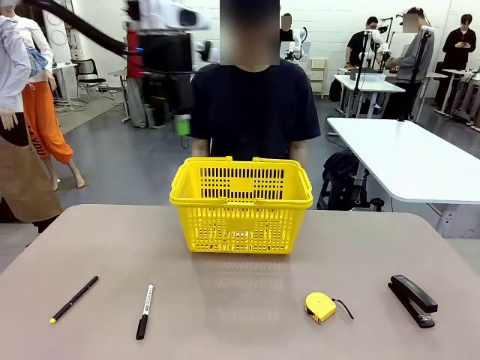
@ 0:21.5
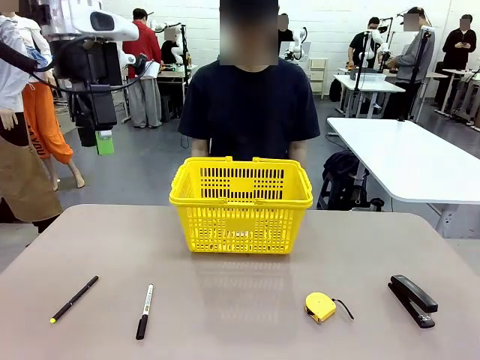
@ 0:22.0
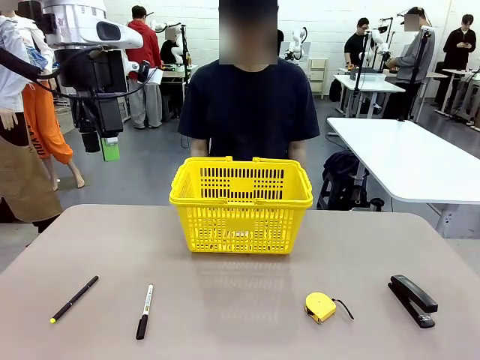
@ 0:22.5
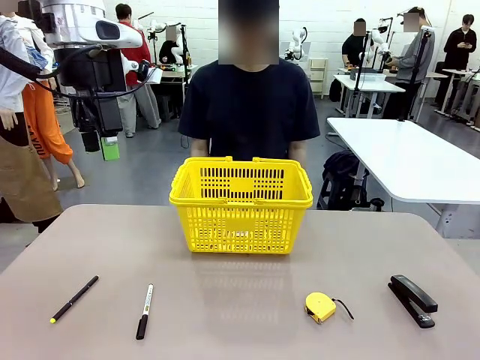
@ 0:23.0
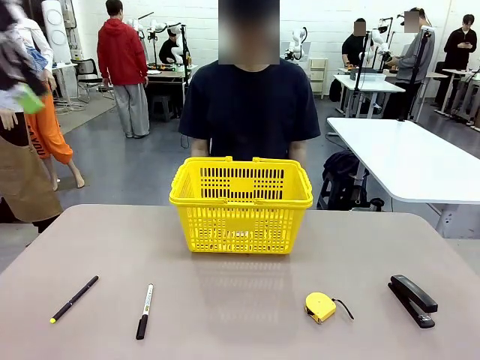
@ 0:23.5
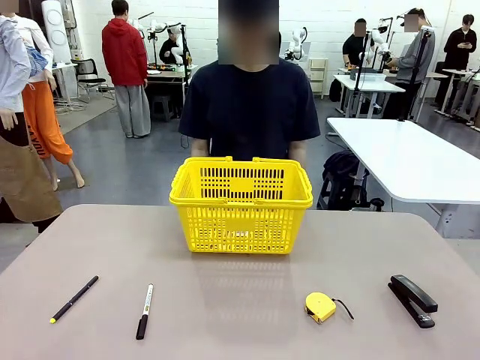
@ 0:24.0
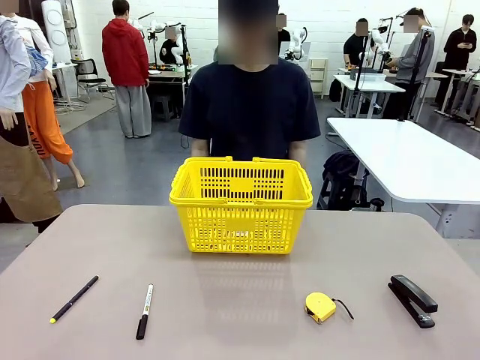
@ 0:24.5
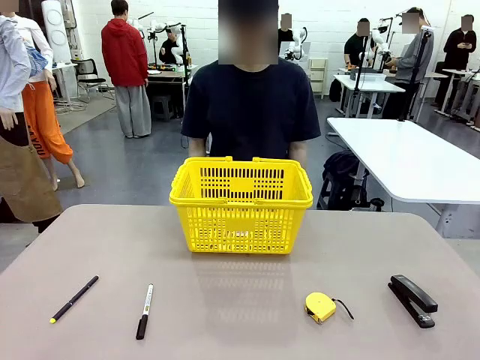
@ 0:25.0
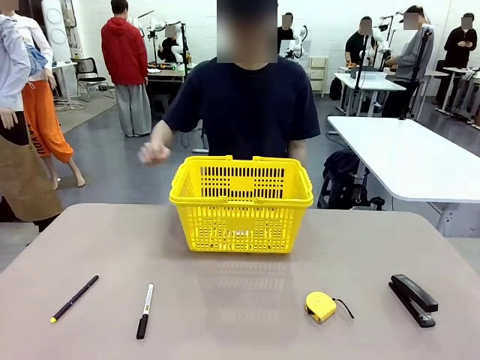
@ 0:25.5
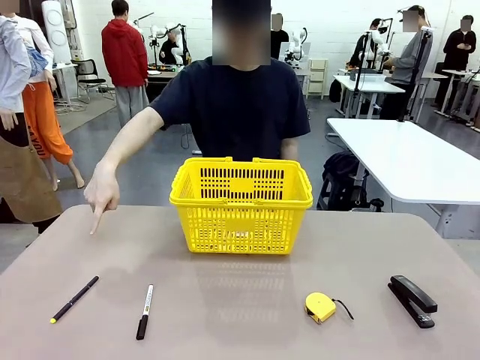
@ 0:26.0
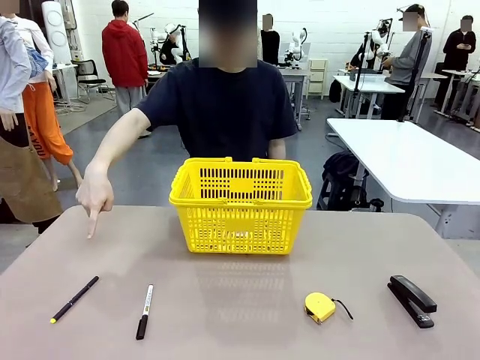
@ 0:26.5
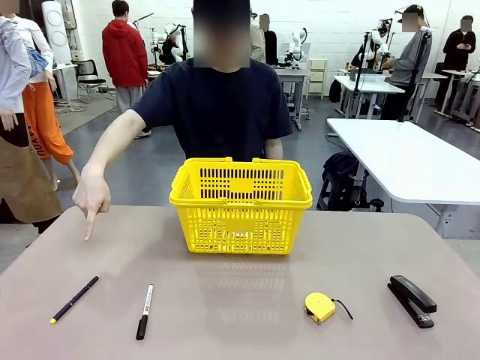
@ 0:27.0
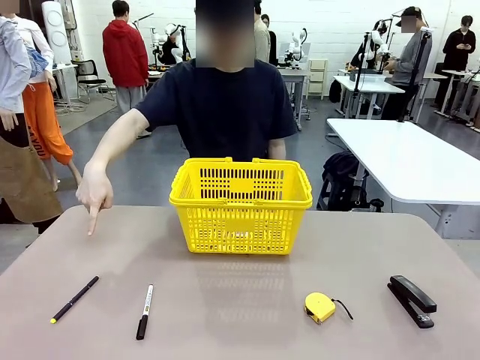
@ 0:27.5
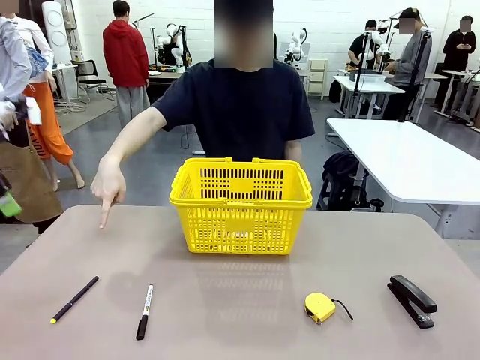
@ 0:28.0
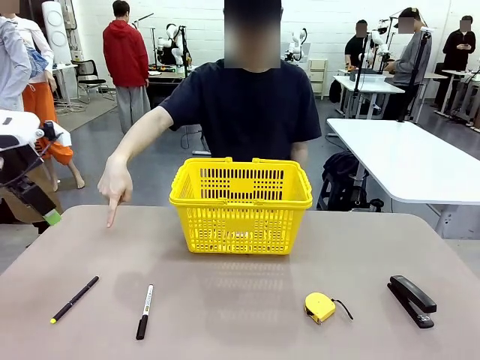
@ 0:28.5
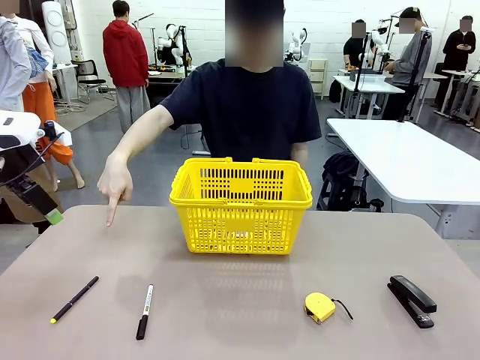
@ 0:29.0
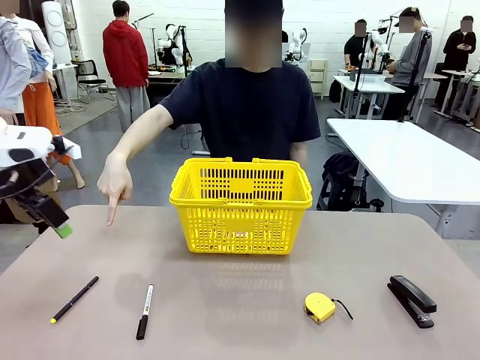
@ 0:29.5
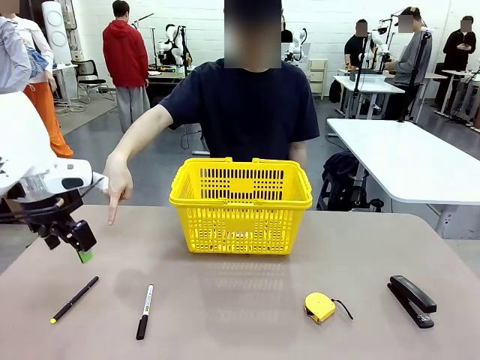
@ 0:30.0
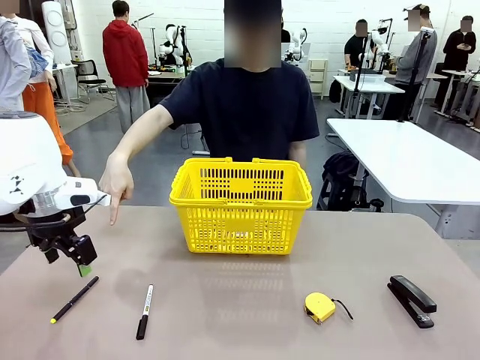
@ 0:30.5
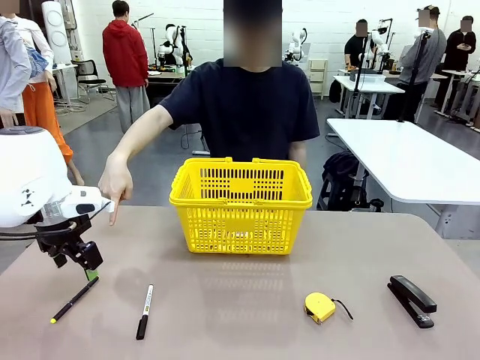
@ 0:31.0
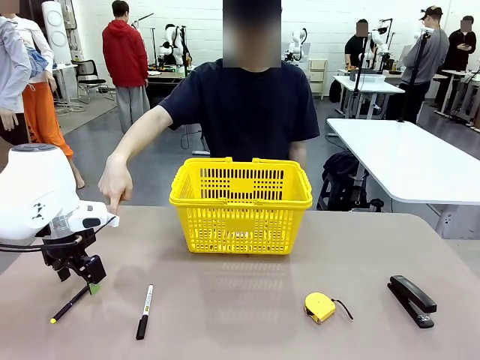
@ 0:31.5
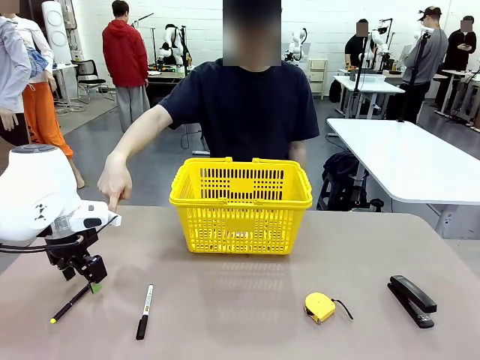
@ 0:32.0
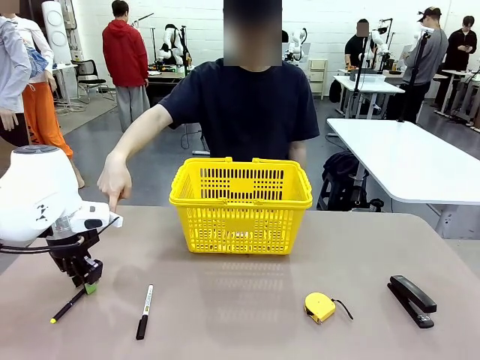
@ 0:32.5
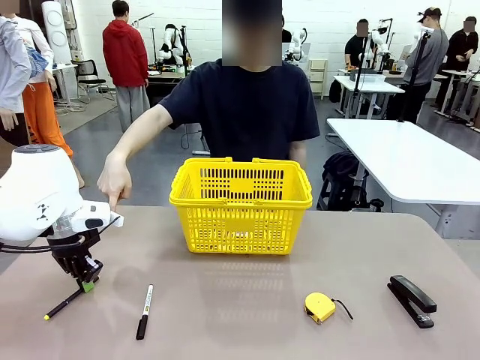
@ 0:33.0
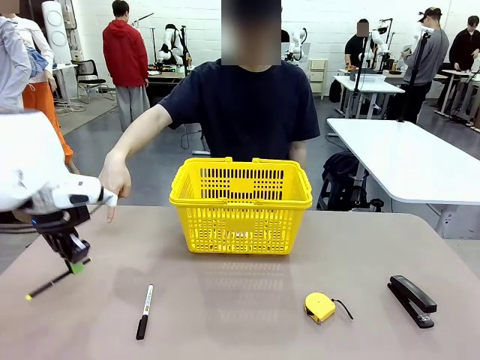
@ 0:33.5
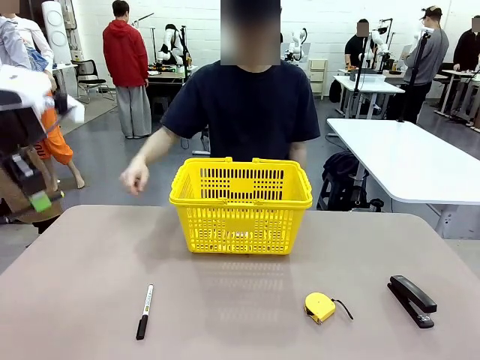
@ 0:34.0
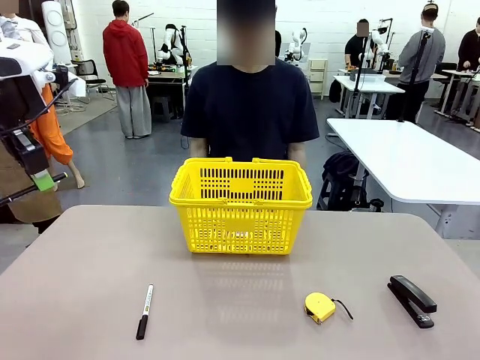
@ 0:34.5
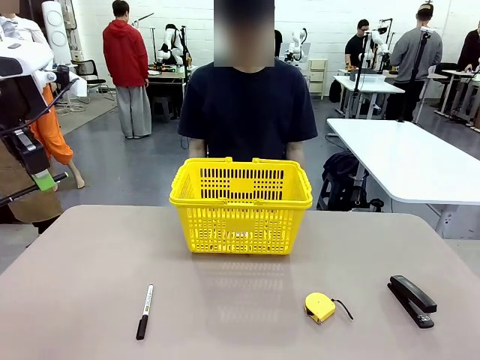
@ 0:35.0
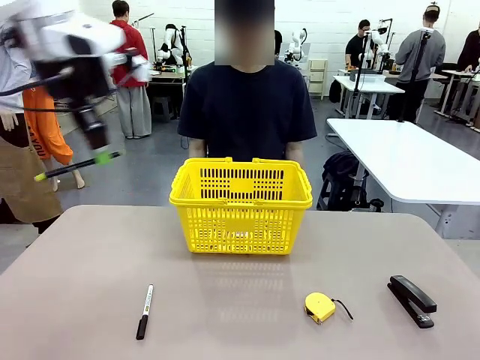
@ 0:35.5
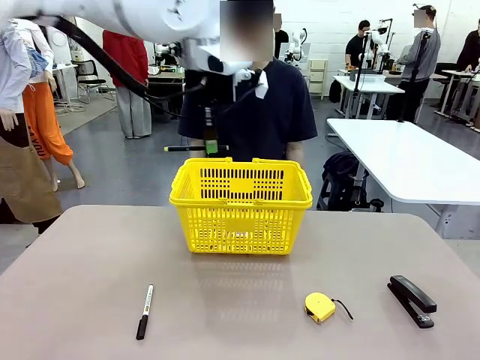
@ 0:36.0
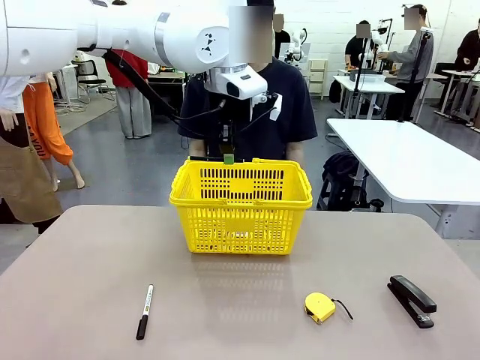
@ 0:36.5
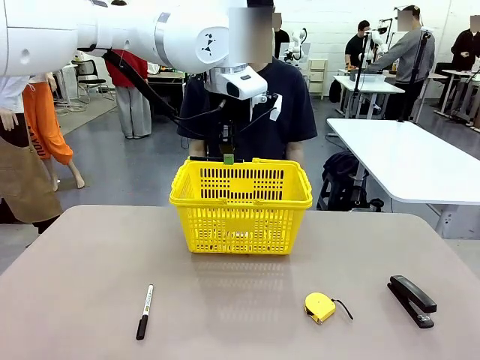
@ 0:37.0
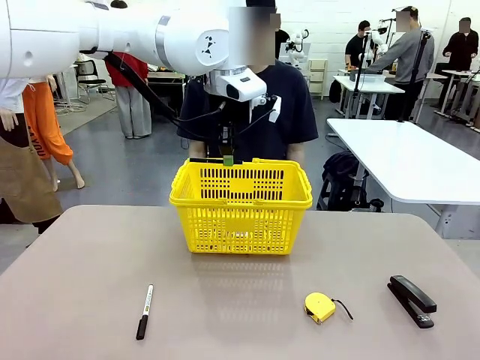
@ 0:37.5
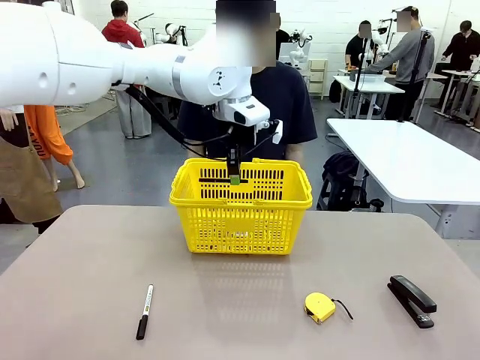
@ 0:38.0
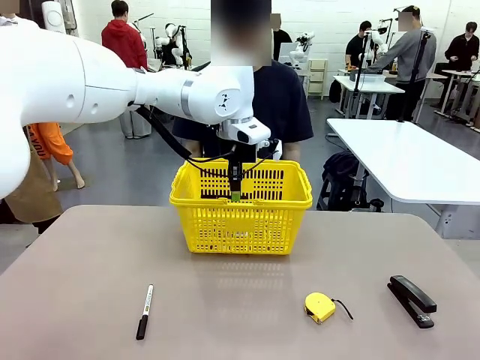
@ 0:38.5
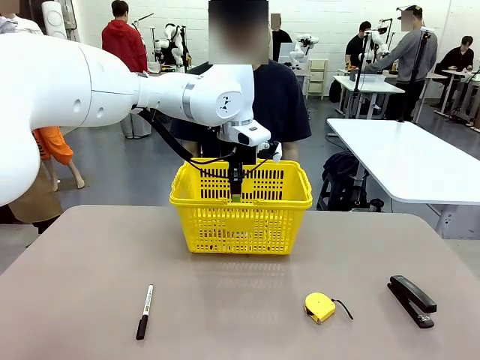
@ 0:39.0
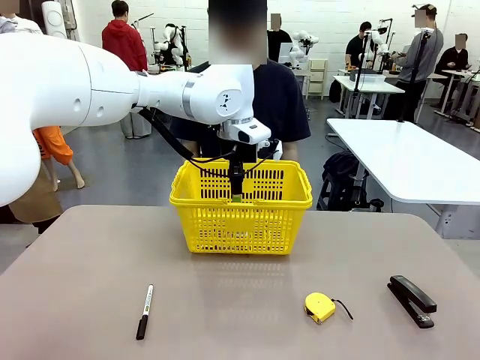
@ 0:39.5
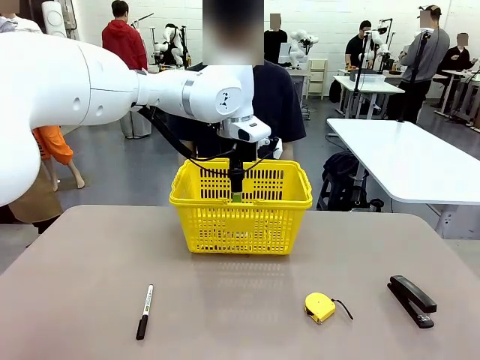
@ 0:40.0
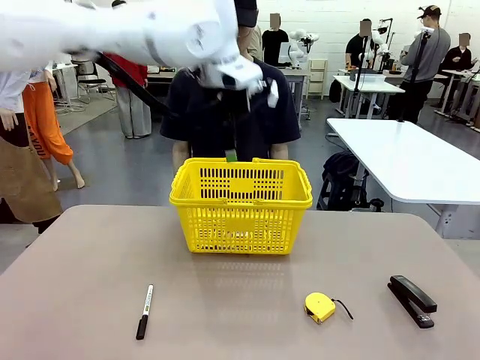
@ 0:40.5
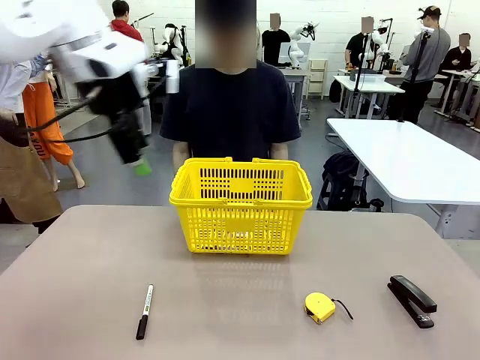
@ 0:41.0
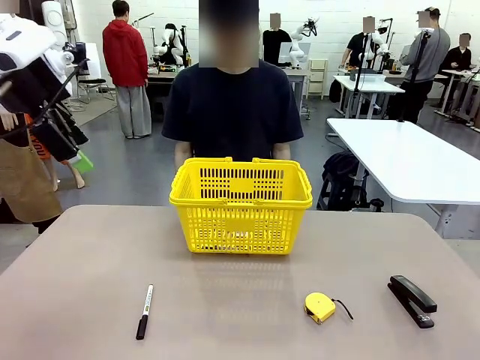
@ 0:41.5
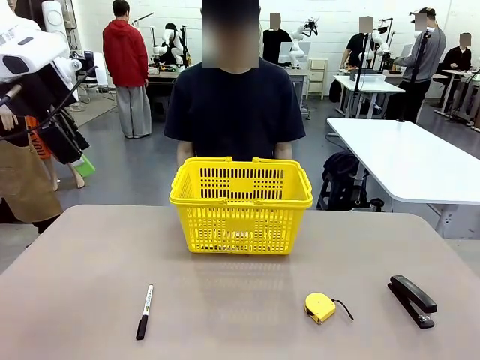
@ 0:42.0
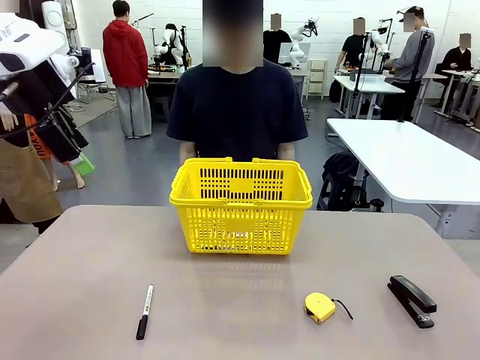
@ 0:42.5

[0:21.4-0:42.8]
Task: Place the items the person wants into the basket.
Robot: Pick up the item the person points to and place it in the Market Basket.

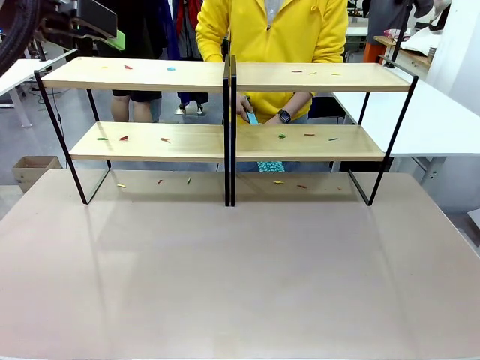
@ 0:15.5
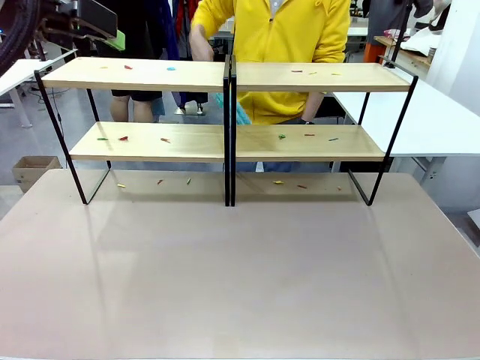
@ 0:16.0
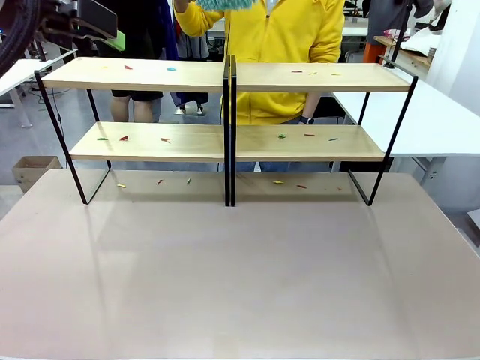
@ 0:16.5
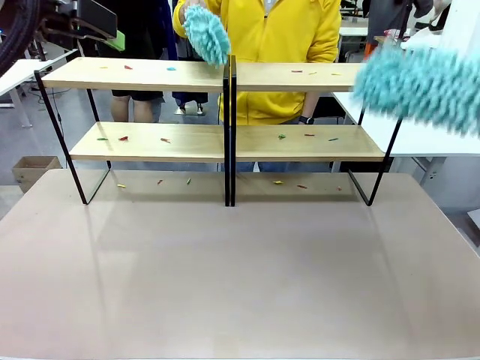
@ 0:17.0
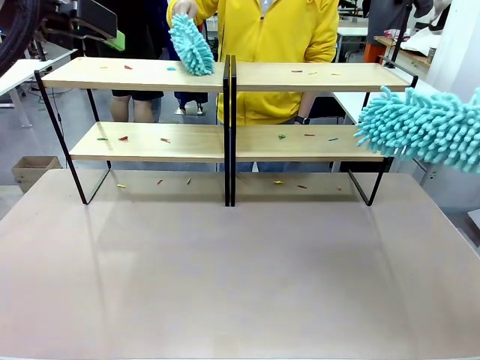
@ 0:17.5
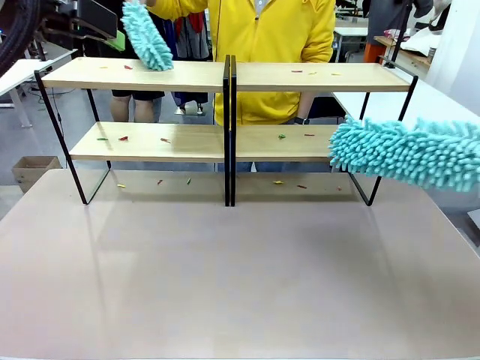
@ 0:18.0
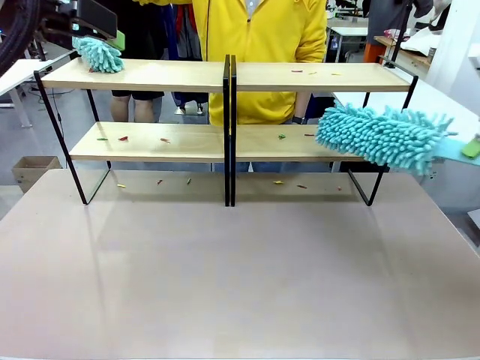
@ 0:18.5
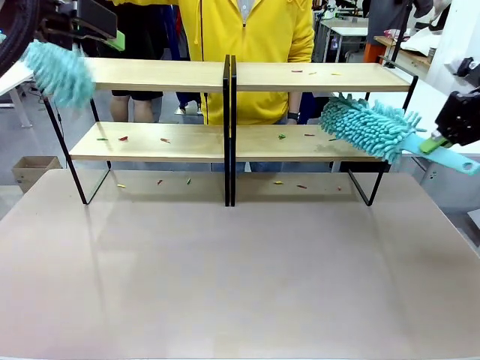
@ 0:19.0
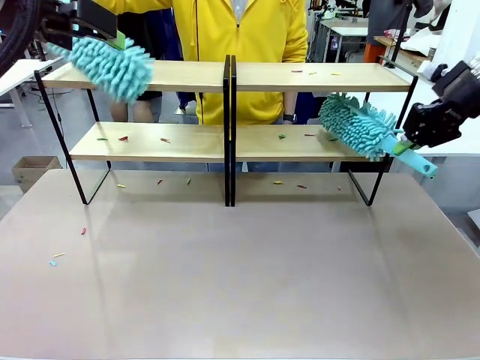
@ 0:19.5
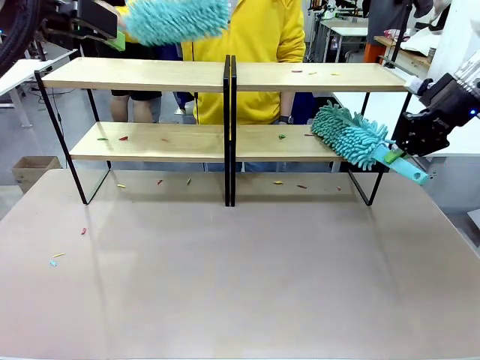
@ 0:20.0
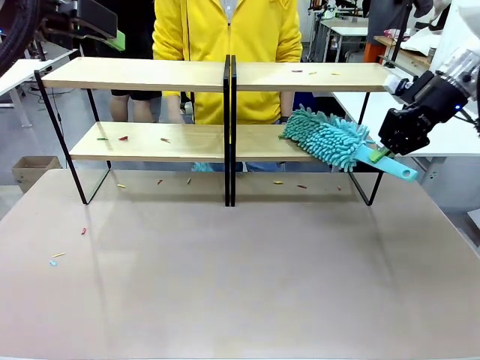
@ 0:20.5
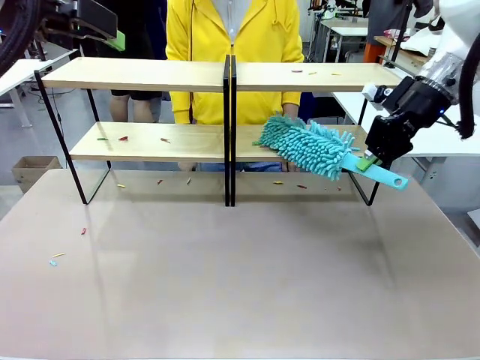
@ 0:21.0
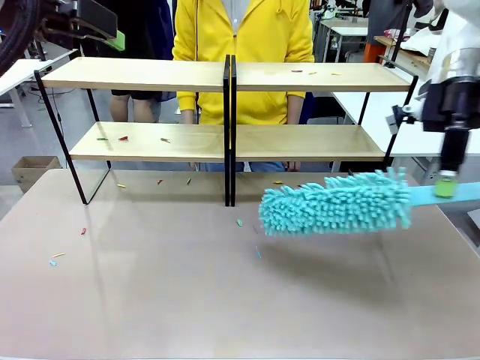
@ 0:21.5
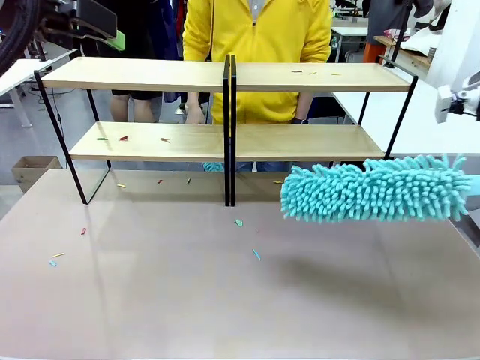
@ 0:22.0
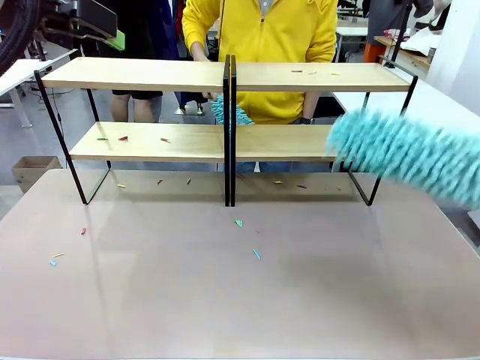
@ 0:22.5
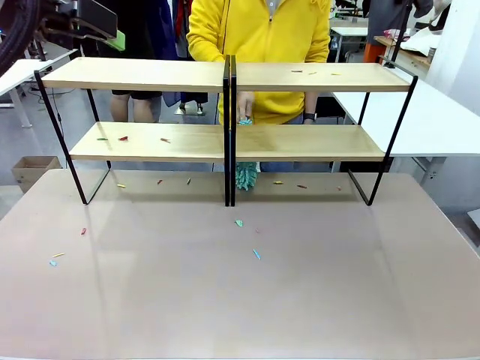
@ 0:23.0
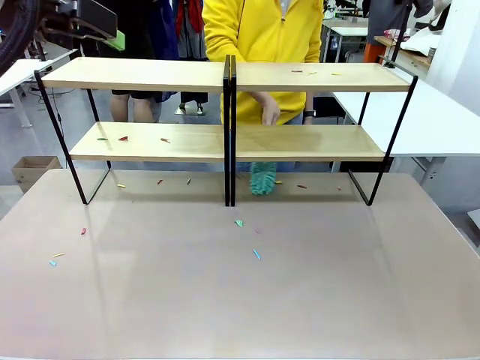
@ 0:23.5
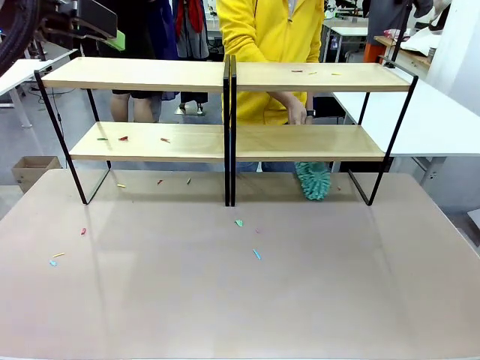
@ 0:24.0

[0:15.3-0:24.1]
Task: Clean the shelves.
Robot: Clean a randomly selected level of the Shelf with the Duster.
